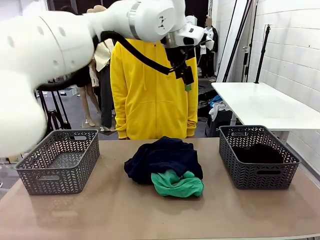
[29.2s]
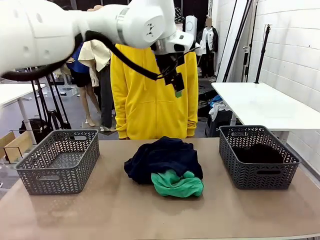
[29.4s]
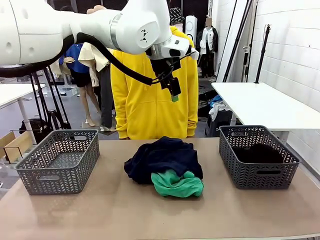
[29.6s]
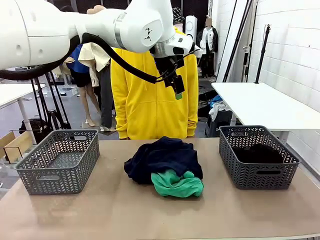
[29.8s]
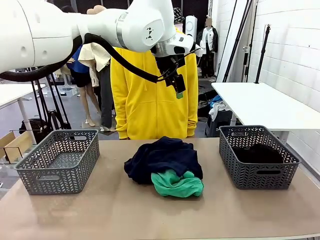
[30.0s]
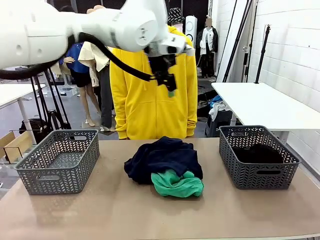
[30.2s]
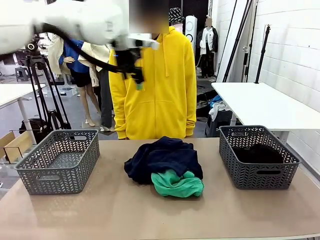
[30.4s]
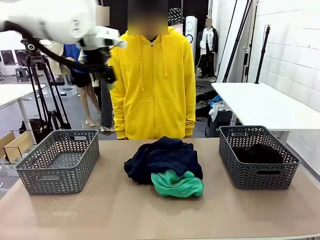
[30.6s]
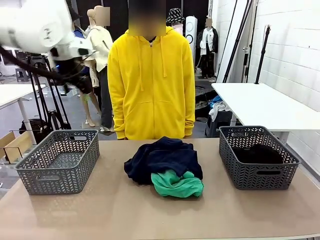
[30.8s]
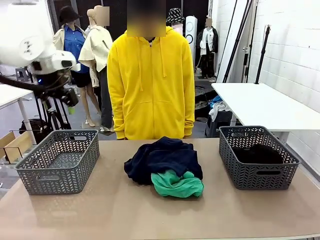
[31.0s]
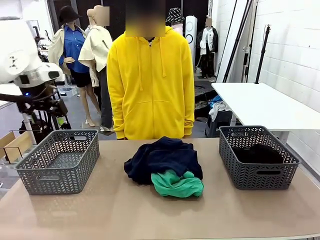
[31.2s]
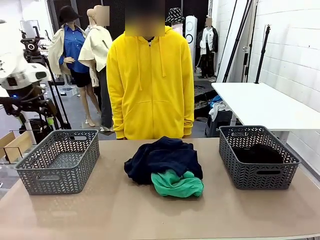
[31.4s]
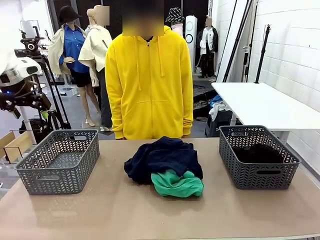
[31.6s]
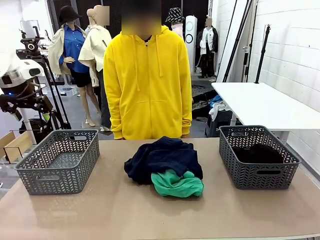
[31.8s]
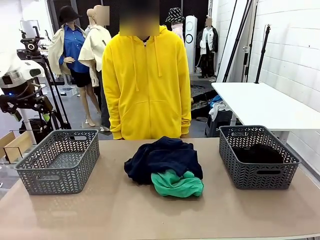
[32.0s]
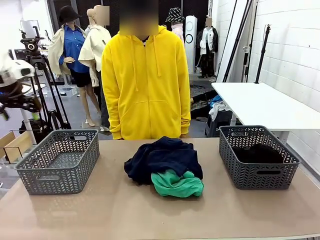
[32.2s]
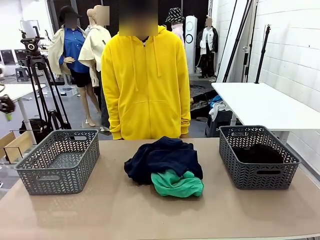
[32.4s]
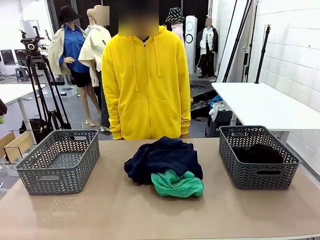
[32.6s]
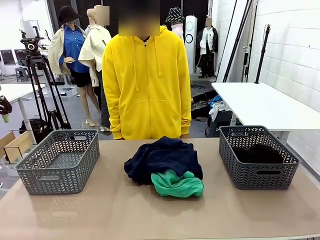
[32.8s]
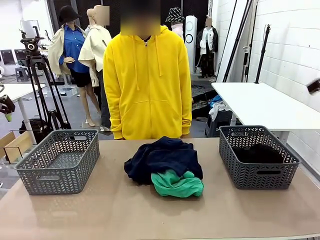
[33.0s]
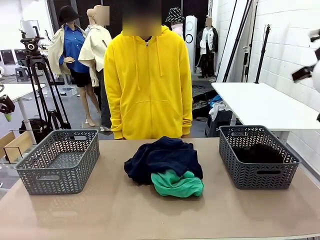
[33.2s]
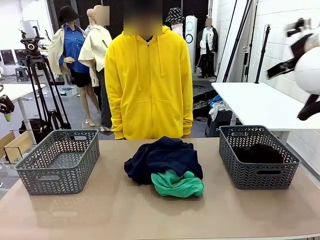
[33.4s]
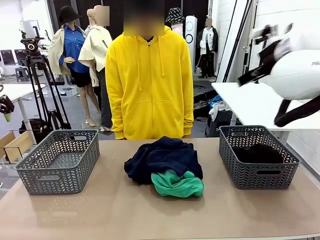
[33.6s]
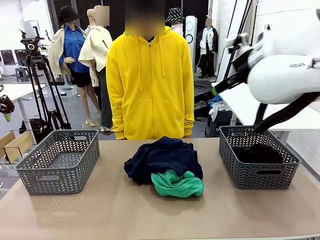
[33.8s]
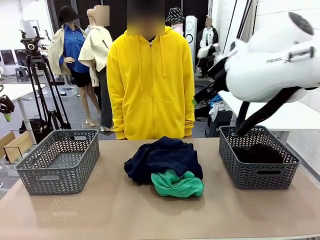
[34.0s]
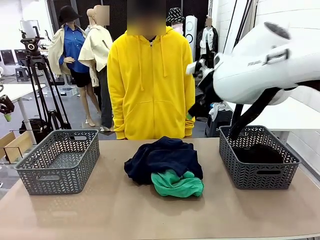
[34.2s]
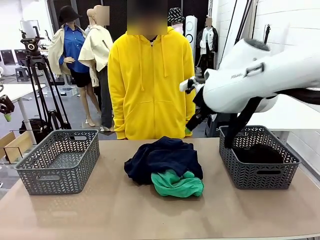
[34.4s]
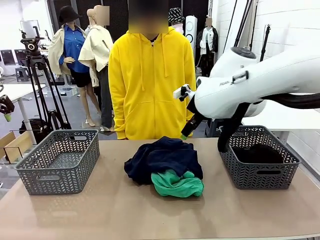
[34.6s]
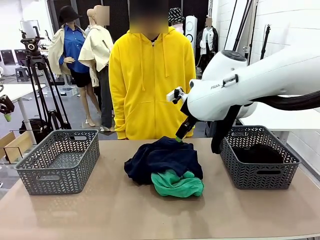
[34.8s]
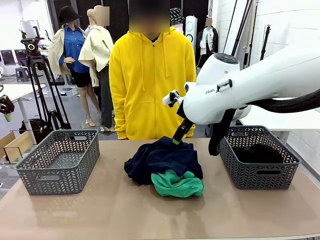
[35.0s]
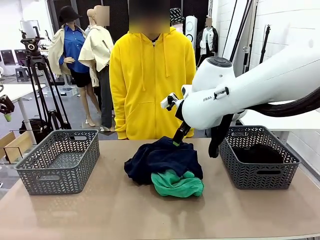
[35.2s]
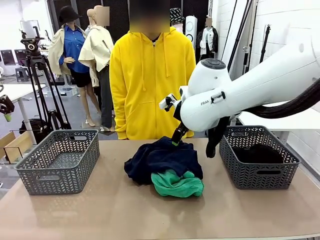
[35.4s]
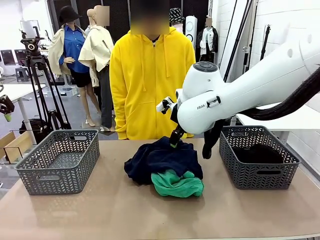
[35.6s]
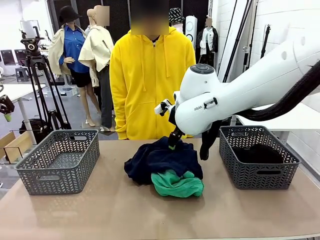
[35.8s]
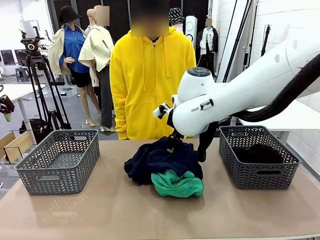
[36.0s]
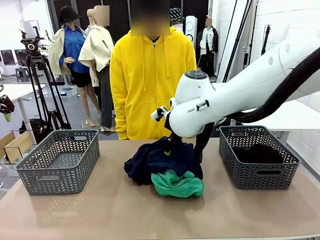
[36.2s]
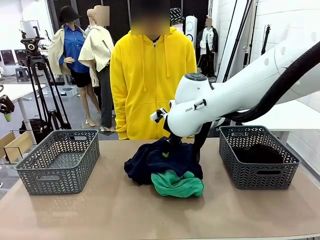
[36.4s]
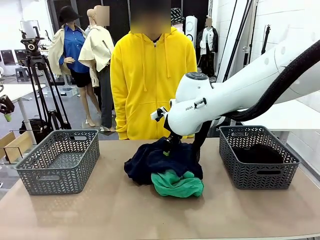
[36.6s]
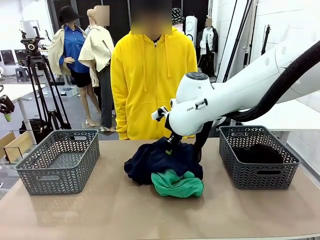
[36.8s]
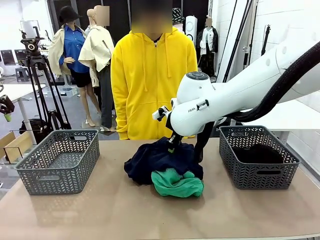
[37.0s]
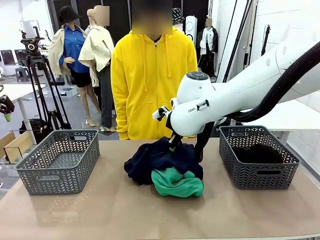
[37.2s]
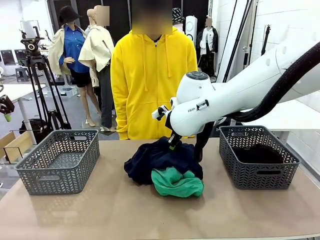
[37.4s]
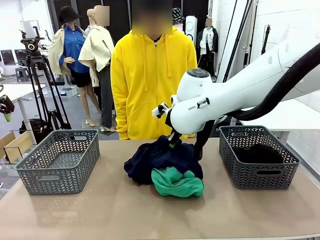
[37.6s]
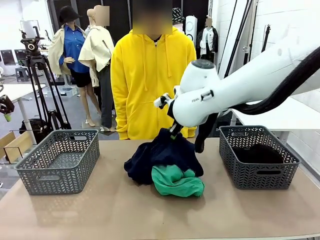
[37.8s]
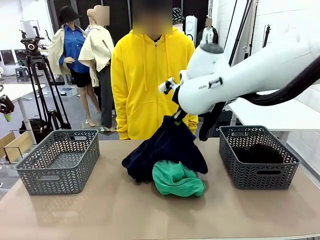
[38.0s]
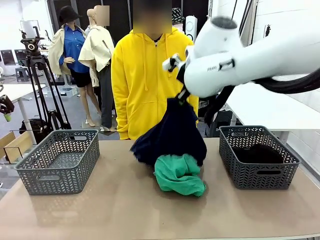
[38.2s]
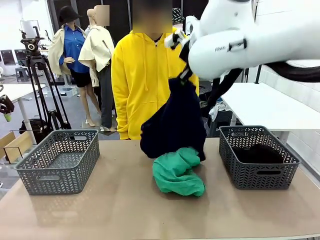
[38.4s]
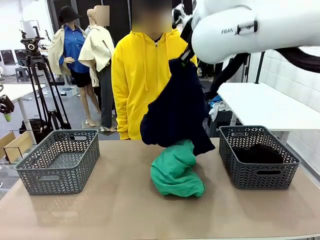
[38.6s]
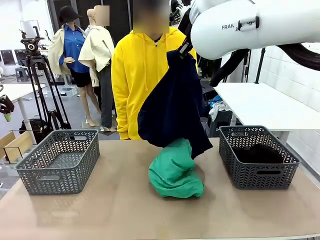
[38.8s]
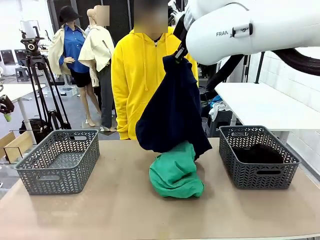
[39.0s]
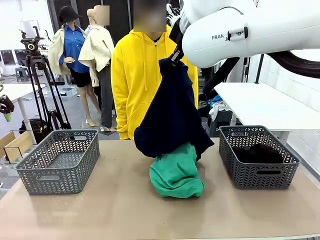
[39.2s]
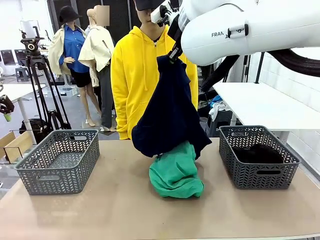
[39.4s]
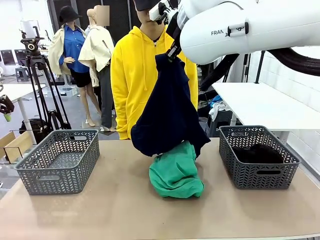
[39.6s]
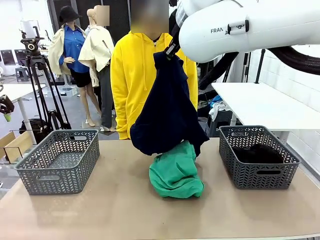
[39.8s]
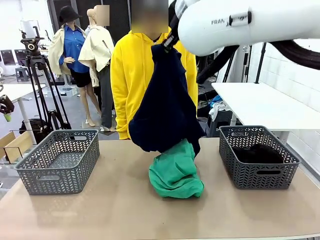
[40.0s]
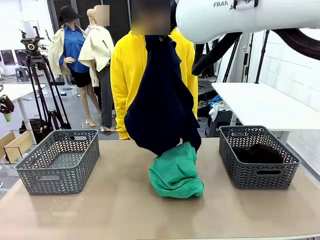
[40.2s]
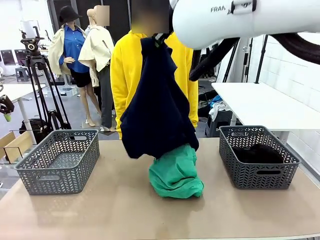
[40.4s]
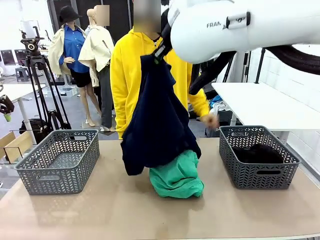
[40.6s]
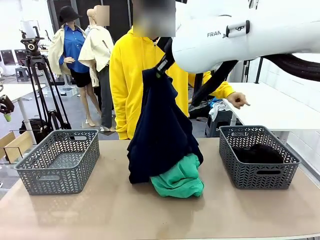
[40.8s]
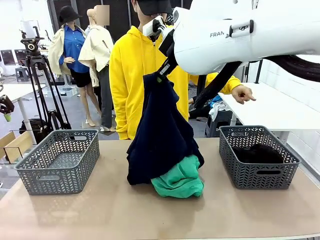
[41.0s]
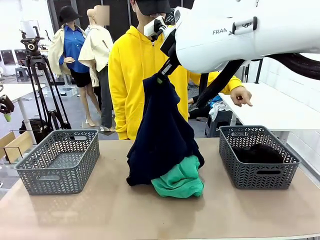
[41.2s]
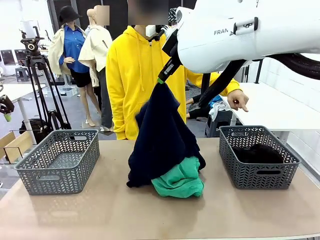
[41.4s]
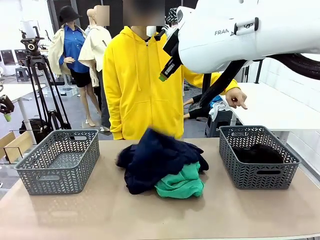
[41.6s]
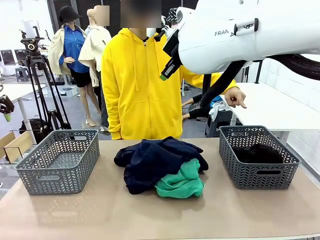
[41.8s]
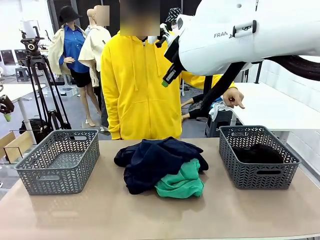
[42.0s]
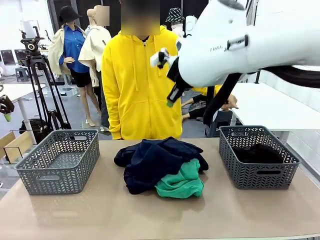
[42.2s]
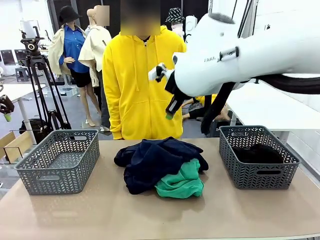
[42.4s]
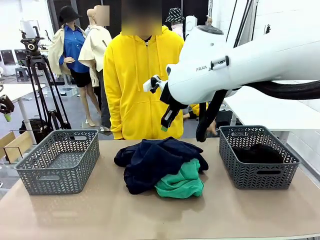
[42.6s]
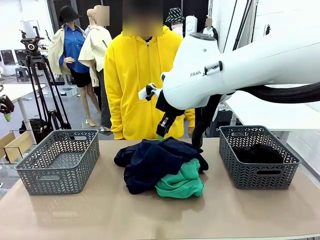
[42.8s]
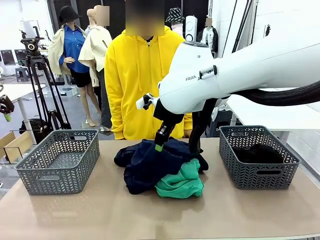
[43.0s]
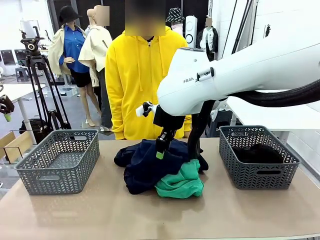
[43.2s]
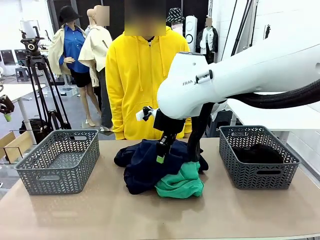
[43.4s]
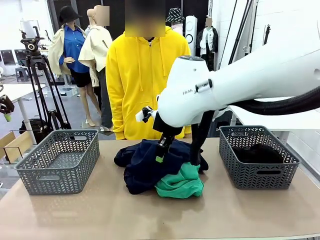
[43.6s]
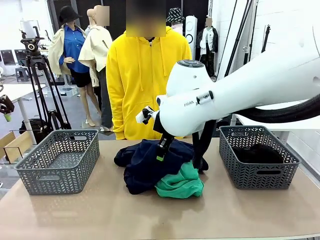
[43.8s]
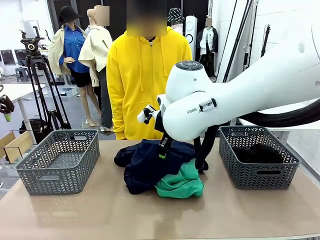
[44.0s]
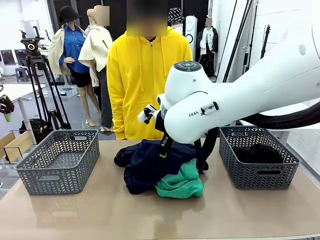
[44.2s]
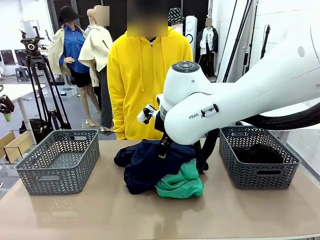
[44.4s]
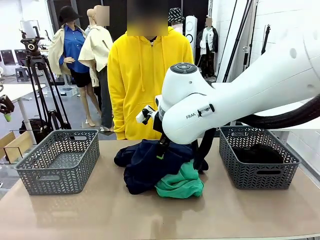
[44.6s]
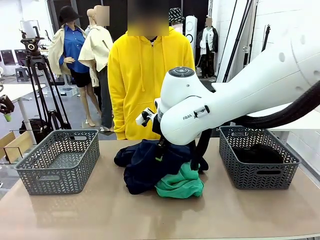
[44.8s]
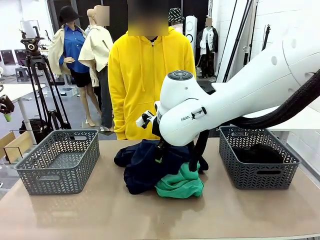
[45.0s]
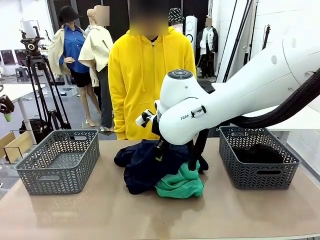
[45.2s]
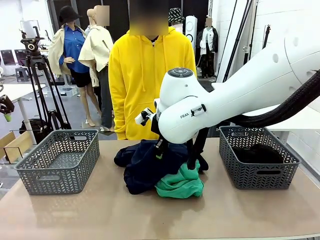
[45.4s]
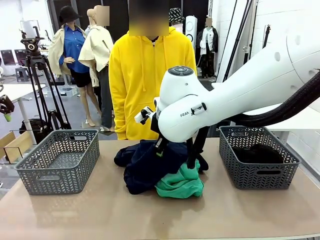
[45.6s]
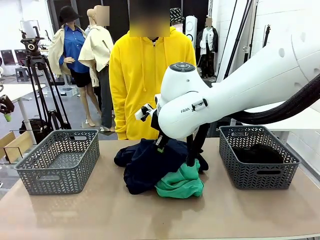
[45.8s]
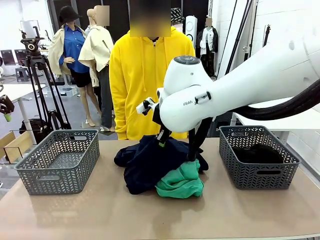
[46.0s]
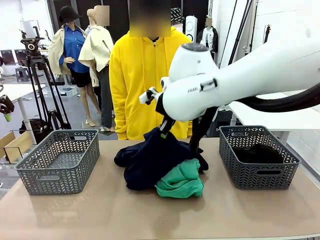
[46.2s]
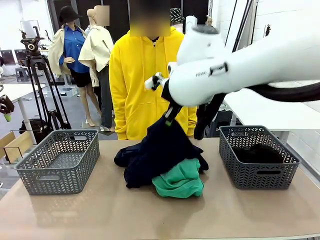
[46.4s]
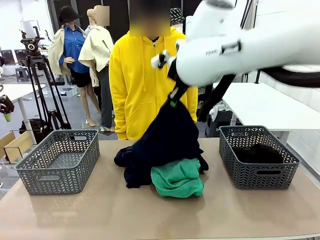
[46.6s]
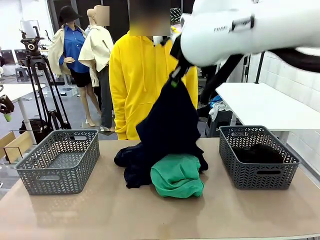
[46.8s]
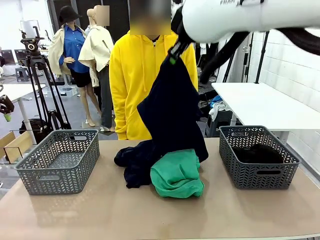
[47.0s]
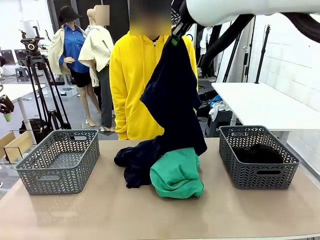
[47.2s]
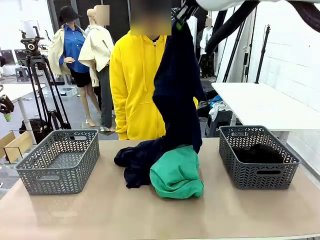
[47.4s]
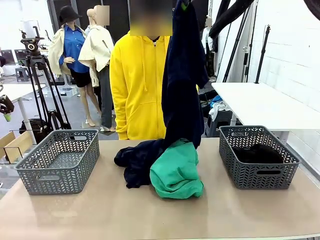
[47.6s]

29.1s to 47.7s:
Task: Sort the tops and bottoms.
Robot: Lift clothes from the center of the table with your right hand.
